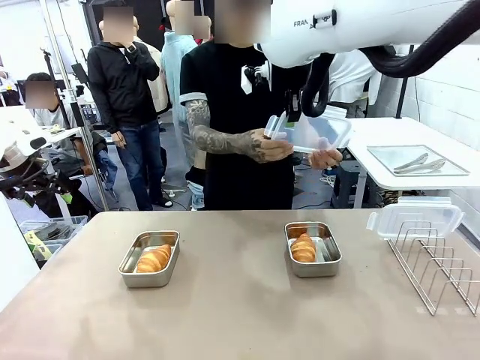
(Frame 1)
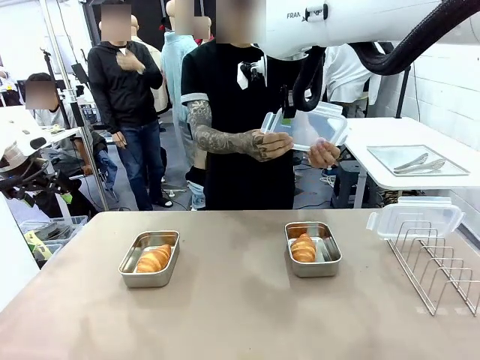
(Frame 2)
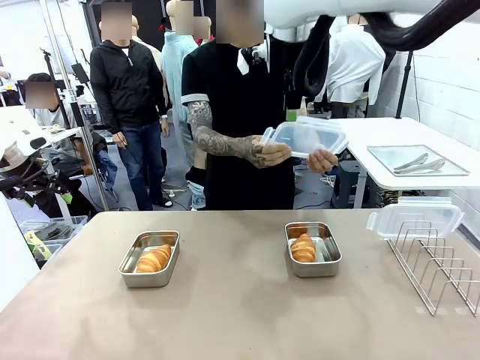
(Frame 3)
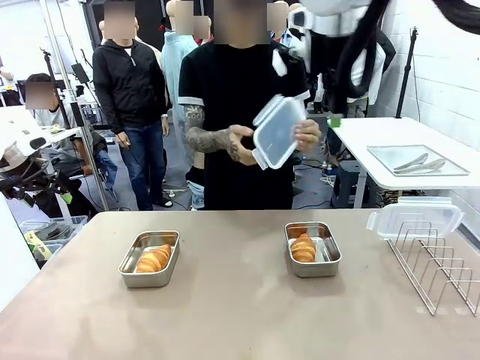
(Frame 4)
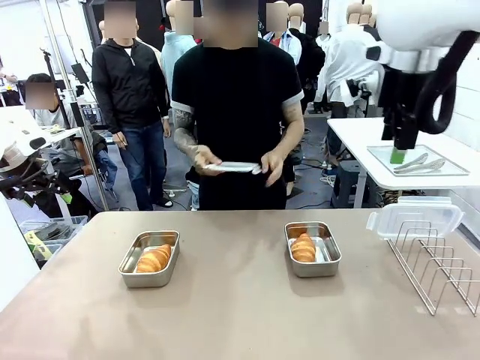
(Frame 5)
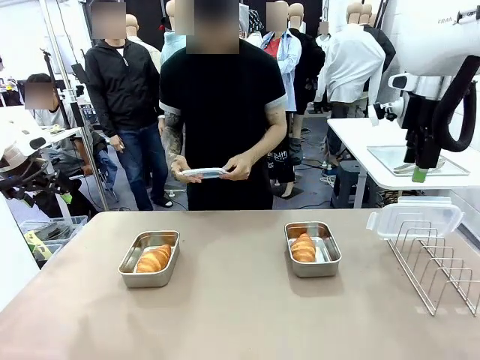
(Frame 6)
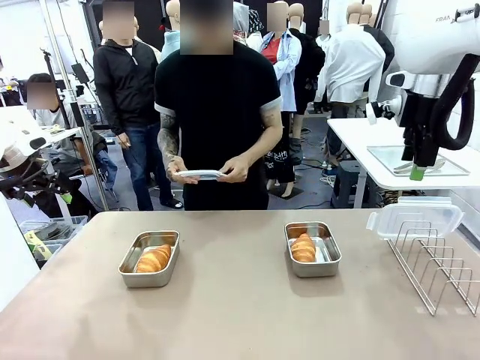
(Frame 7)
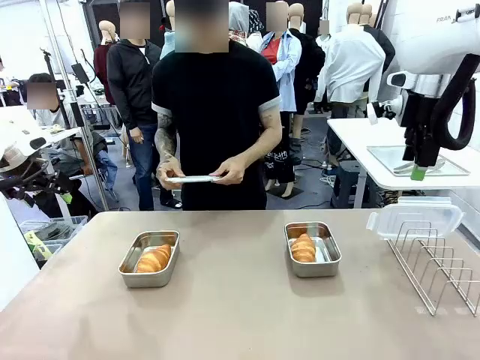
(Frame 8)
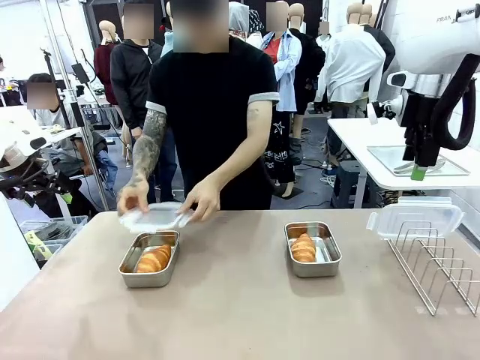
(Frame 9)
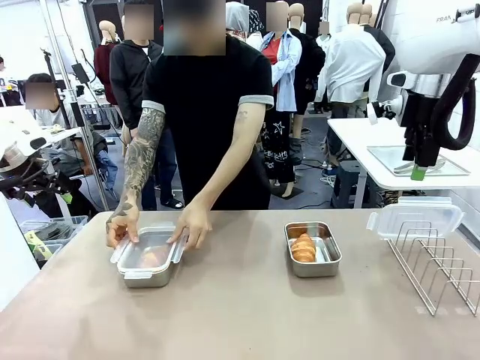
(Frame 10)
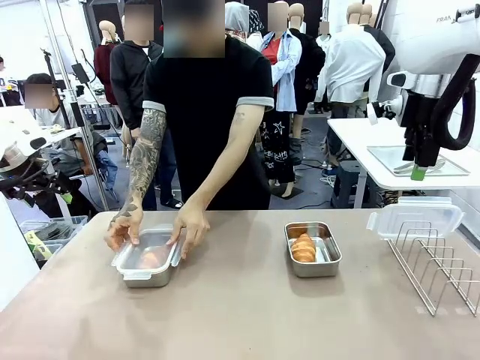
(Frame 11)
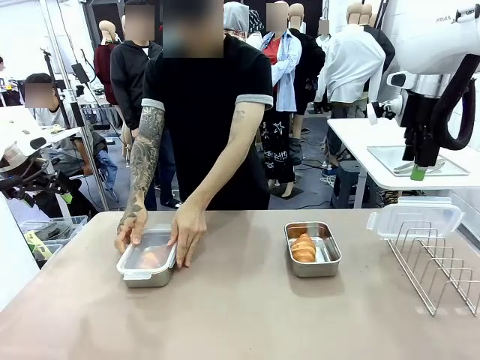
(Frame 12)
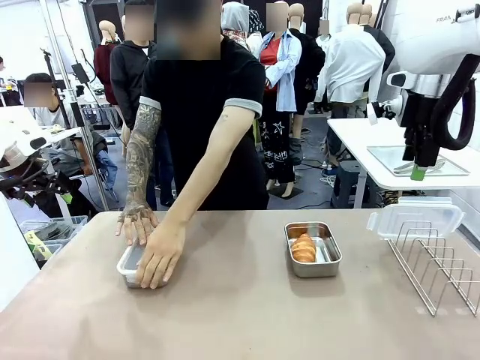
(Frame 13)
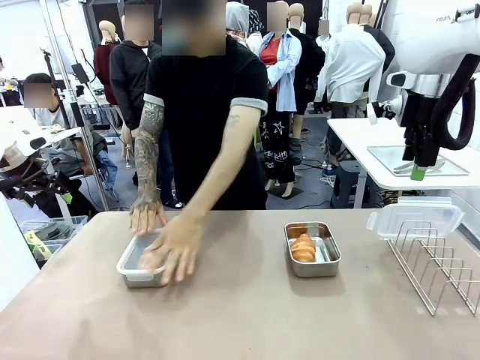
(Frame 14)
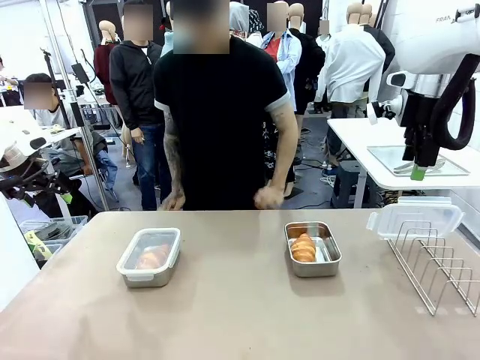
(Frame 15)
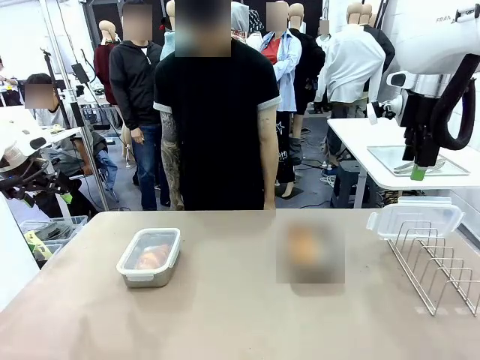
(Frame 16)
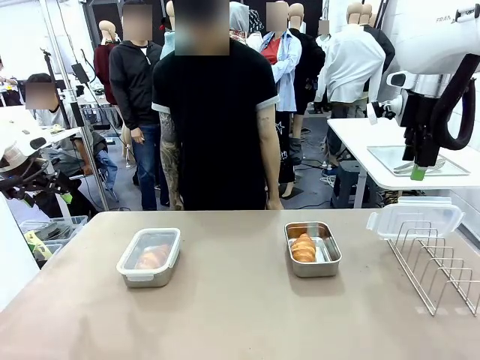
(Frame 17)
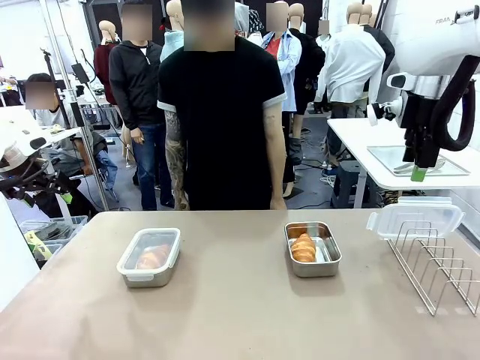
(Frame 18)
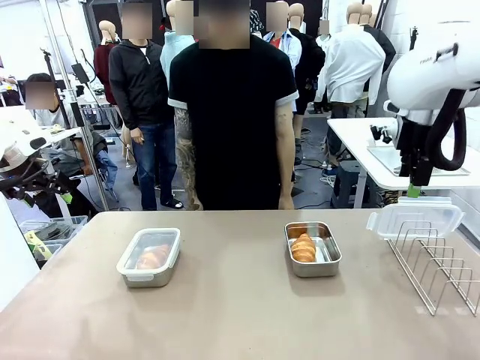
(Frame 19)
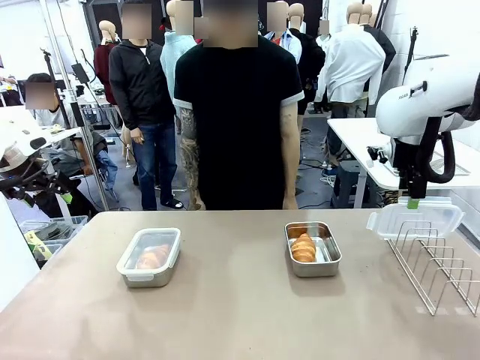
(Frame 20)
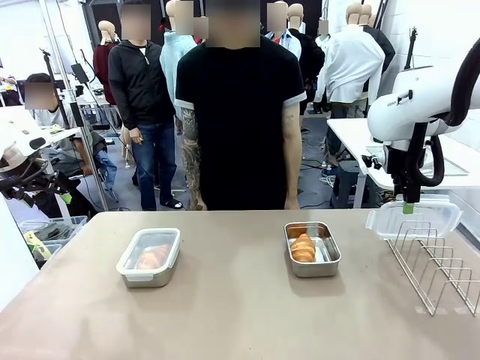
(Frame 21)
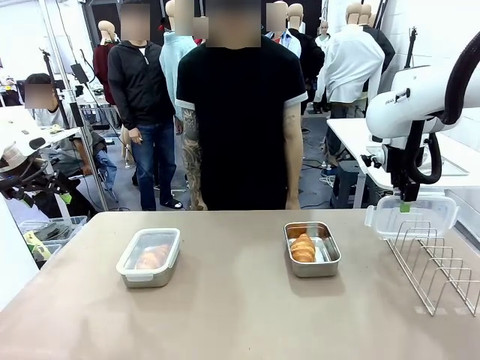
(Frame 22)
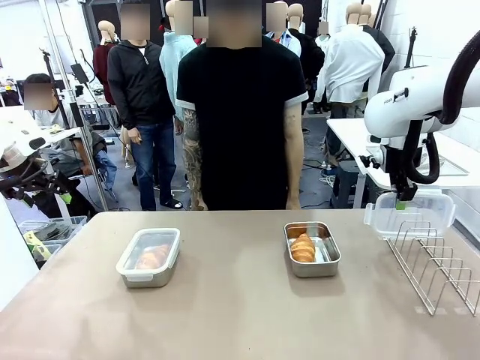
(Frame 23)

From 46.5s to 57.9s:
Task: Place the bread in airtight containers.
Robot: Pick up one Airtight Container lid and hand it to the human.
Person: Close Airtight Container with a handed Airtight Container lid.

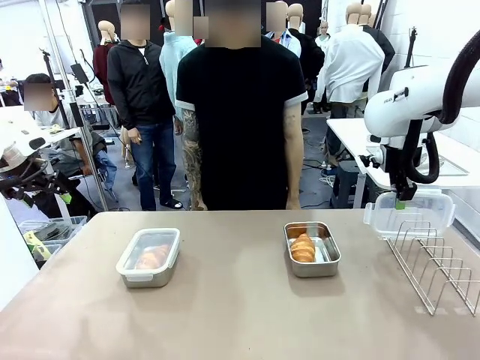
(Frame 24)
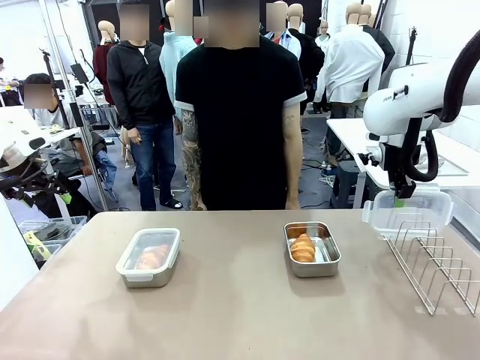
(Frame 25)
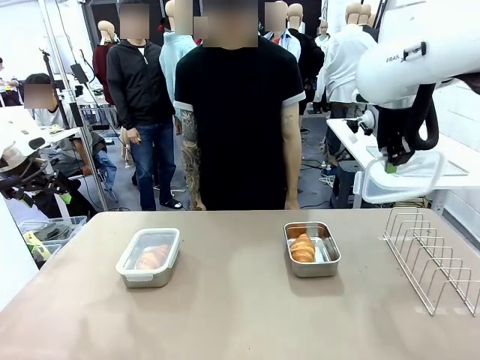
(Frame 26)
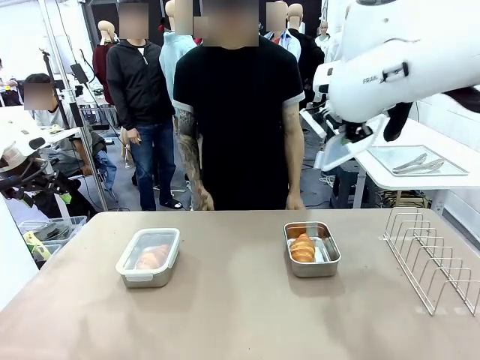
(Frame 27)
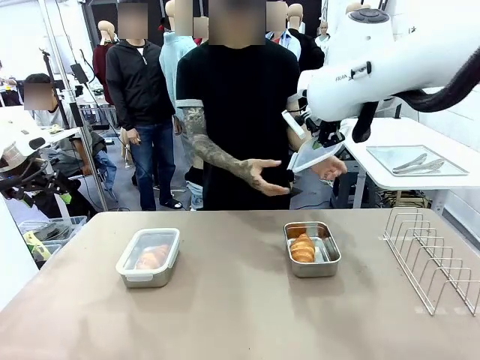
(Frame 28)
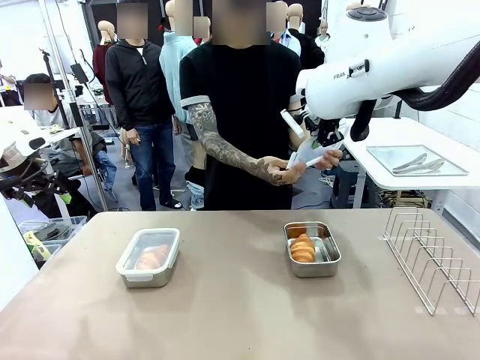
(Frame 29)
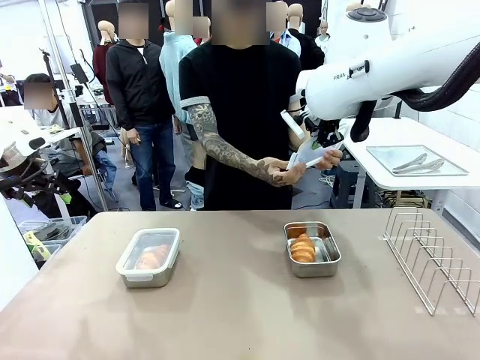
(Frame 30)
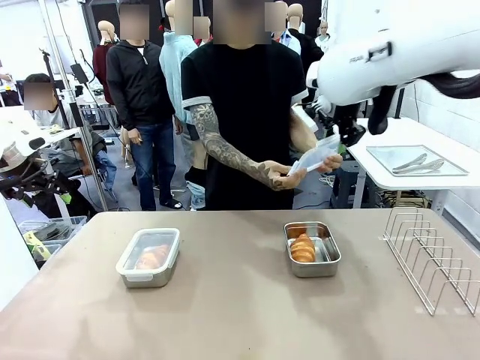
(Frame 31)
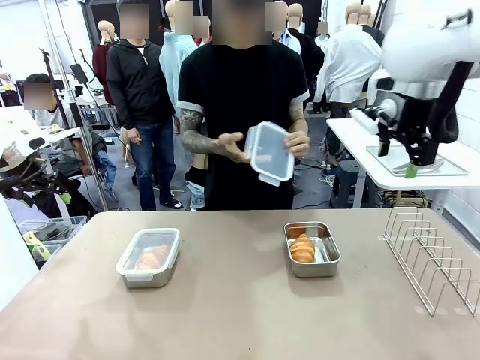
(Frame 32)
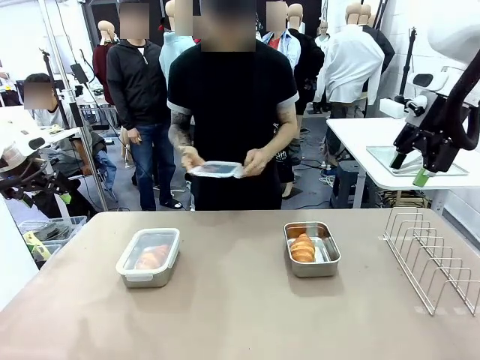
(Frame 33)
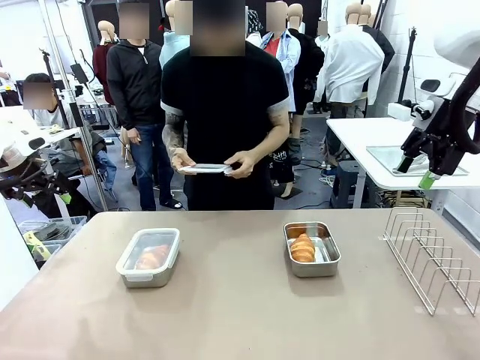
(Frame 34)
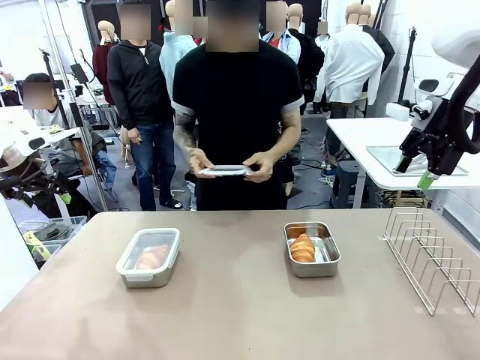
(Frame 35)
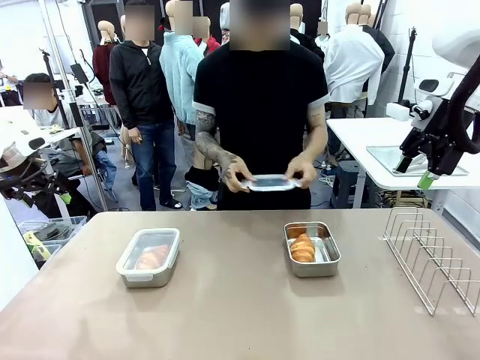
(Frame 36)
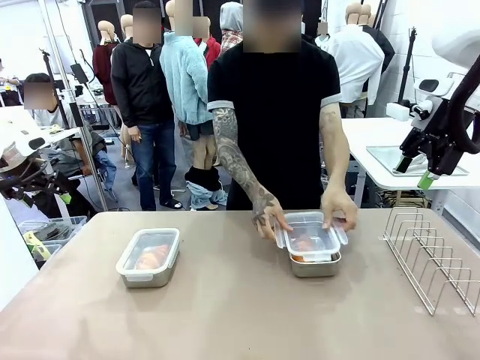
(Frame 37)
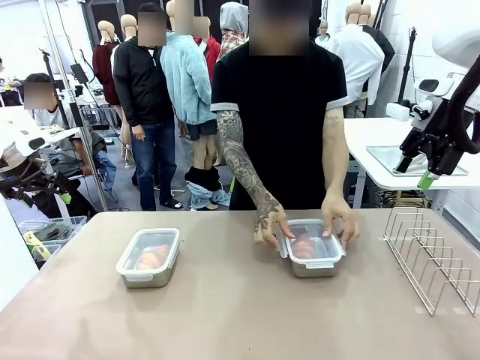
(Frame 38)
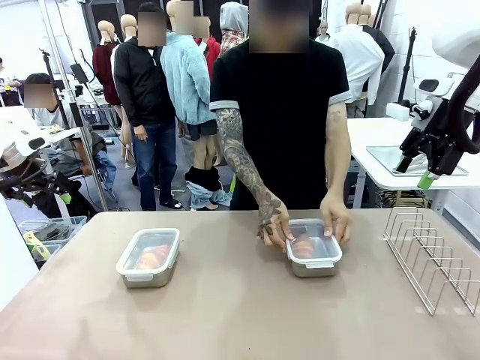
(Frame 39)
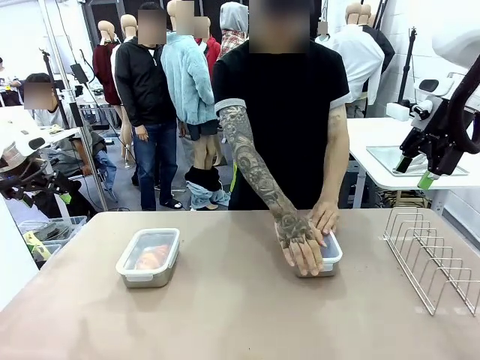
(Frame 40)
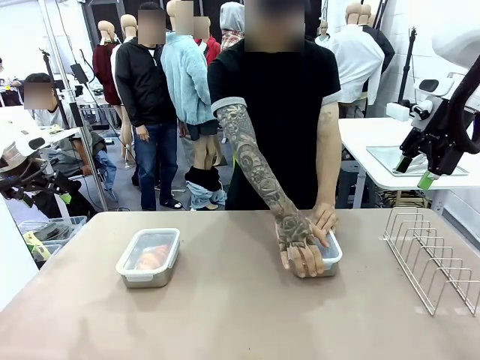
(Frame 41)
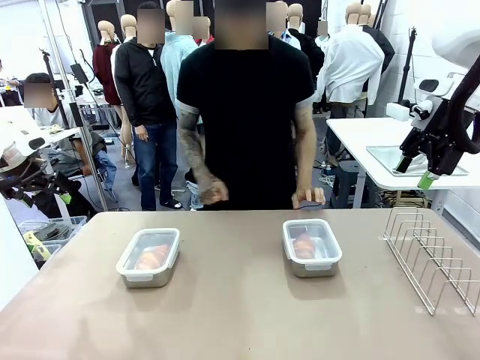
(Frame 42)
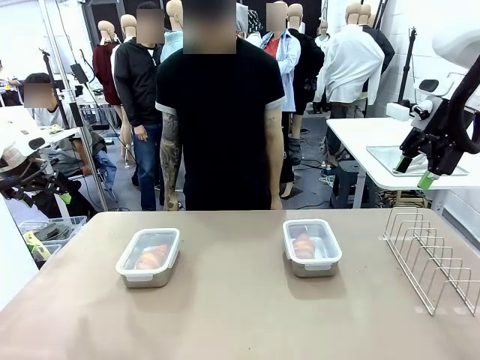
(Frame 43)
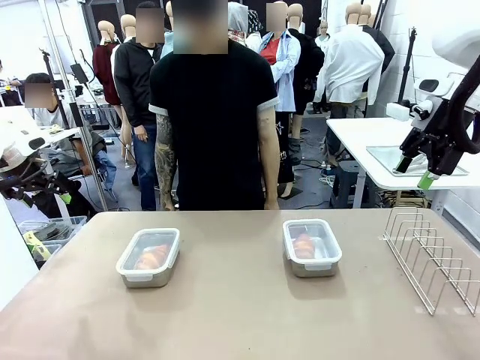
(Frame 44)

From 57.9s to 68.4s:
Robot: Release when the human grabs the Airtight Container lid.
Person: Grip Airtight Container lid that robot is handing. Close Airtight Container with a handed Airtight Container lid.
